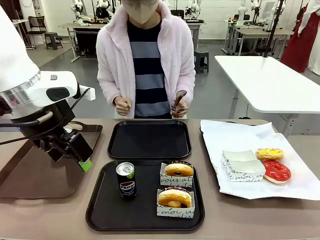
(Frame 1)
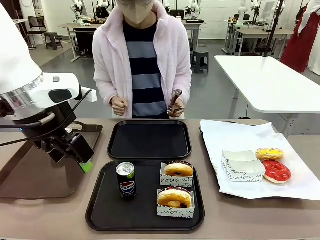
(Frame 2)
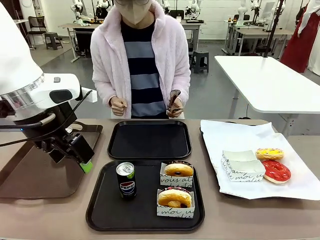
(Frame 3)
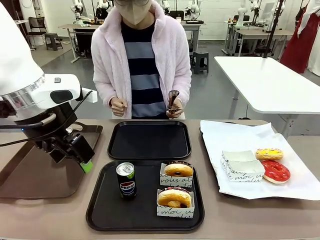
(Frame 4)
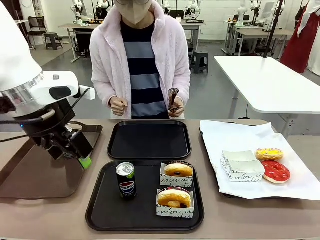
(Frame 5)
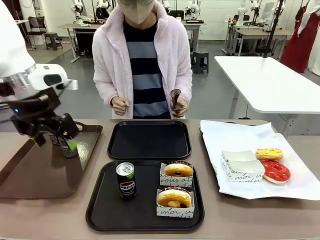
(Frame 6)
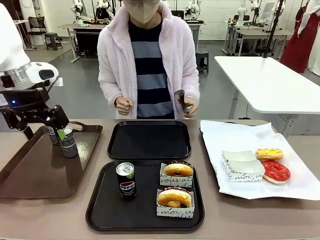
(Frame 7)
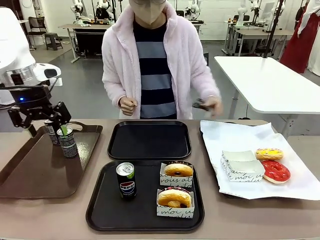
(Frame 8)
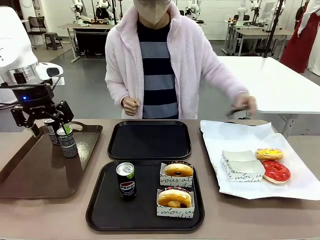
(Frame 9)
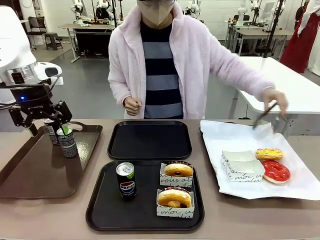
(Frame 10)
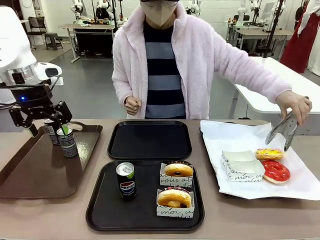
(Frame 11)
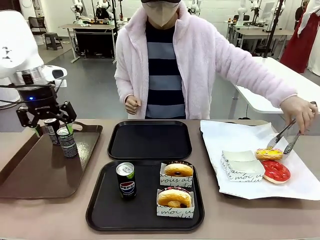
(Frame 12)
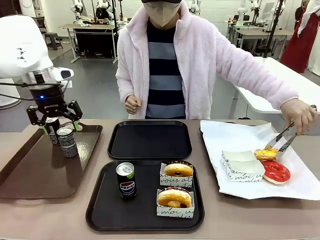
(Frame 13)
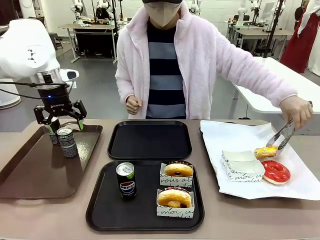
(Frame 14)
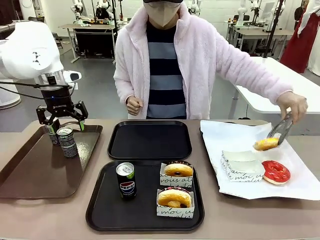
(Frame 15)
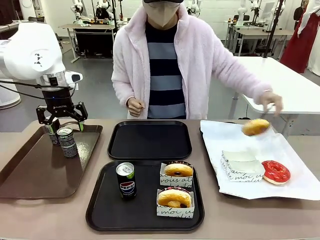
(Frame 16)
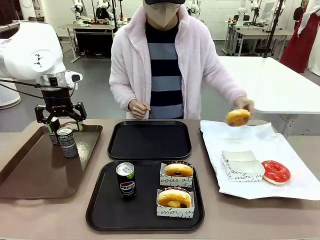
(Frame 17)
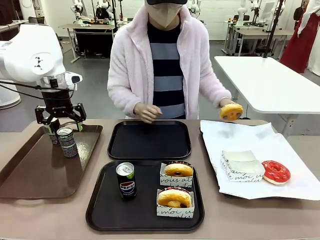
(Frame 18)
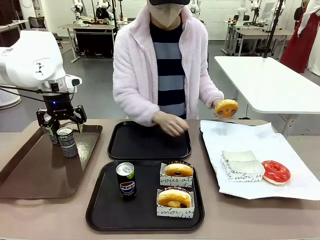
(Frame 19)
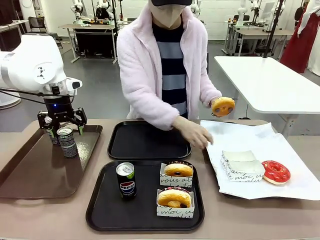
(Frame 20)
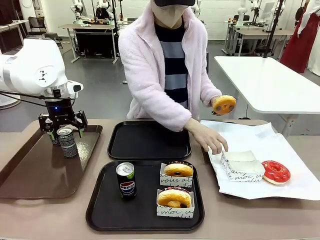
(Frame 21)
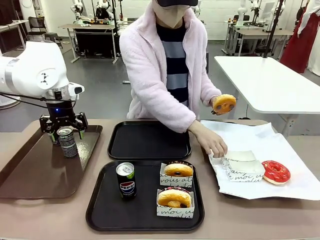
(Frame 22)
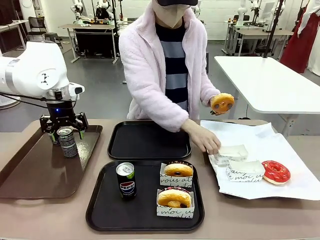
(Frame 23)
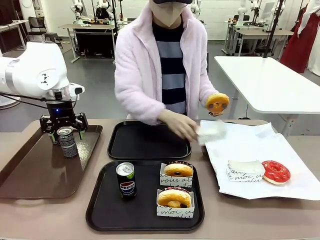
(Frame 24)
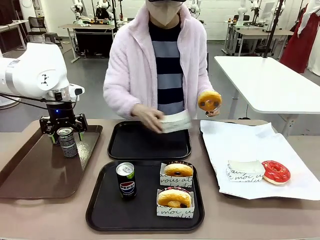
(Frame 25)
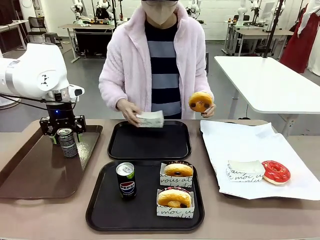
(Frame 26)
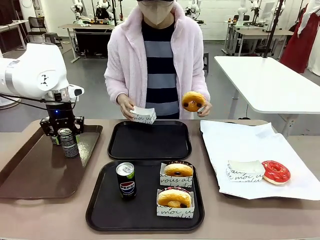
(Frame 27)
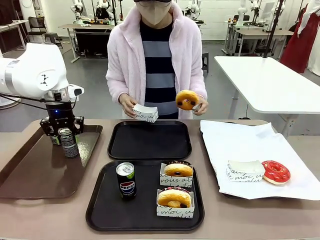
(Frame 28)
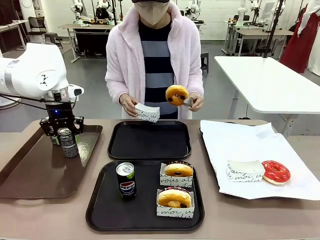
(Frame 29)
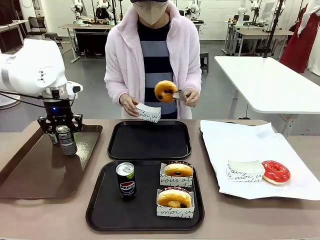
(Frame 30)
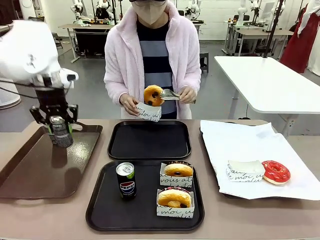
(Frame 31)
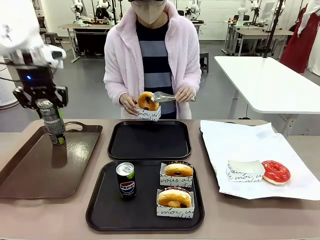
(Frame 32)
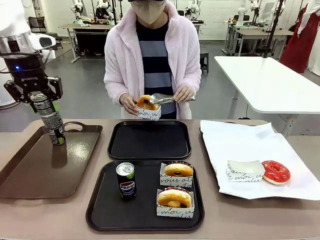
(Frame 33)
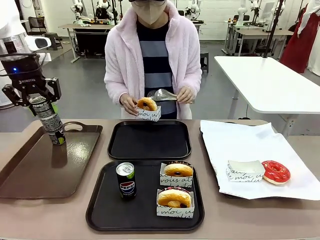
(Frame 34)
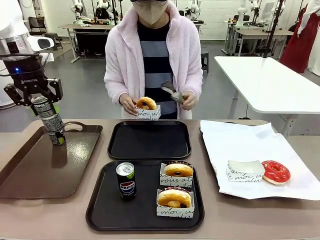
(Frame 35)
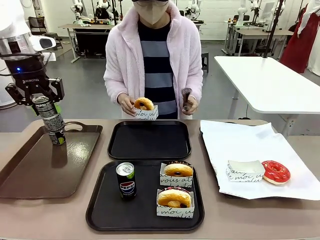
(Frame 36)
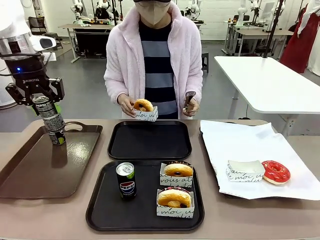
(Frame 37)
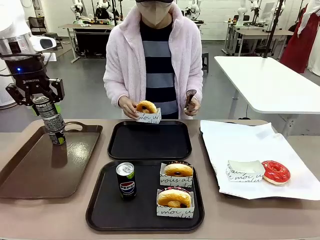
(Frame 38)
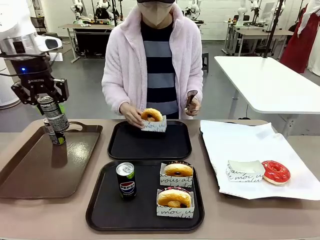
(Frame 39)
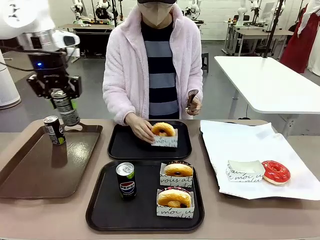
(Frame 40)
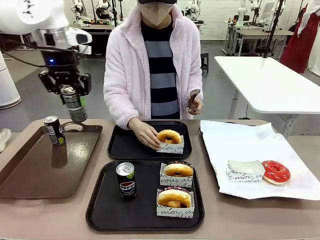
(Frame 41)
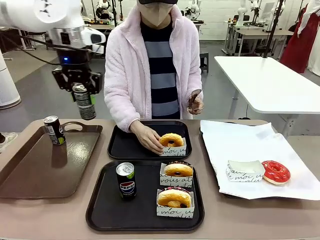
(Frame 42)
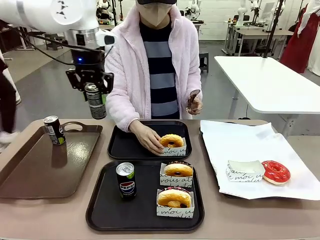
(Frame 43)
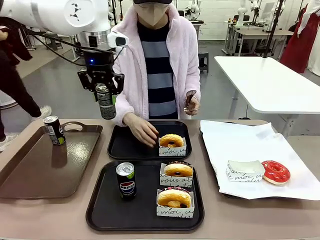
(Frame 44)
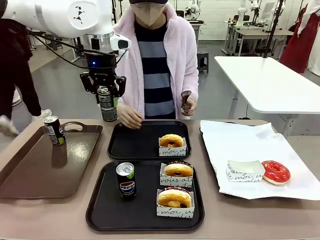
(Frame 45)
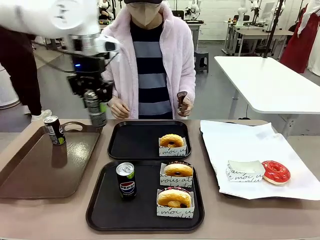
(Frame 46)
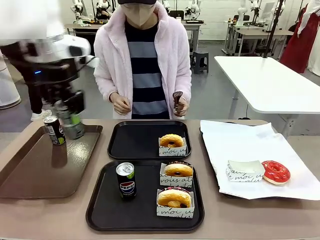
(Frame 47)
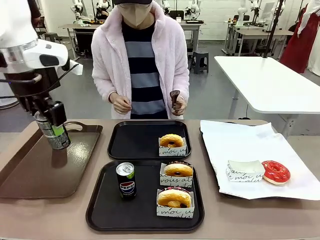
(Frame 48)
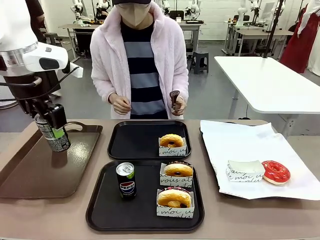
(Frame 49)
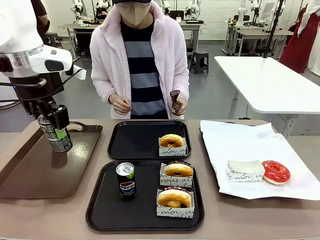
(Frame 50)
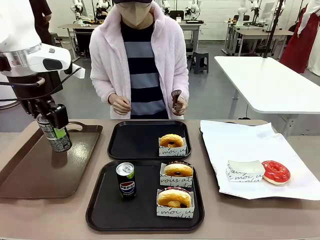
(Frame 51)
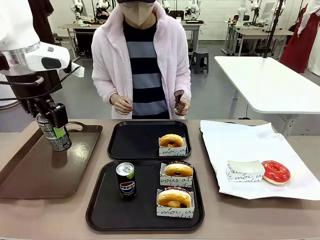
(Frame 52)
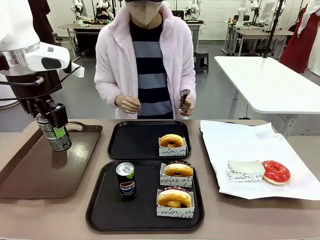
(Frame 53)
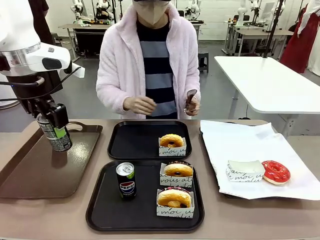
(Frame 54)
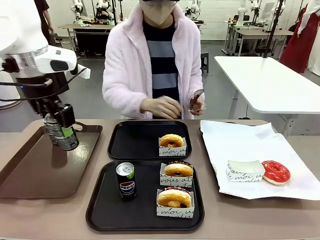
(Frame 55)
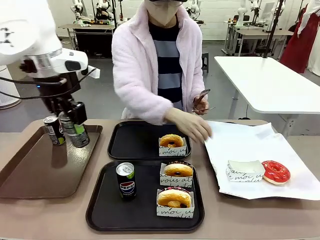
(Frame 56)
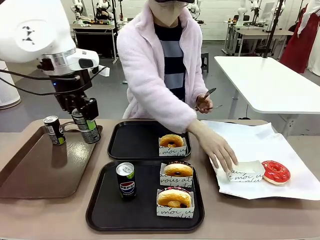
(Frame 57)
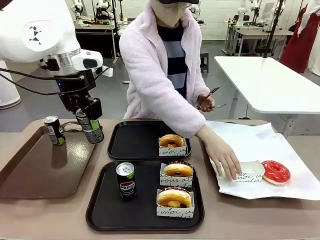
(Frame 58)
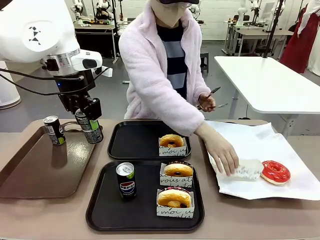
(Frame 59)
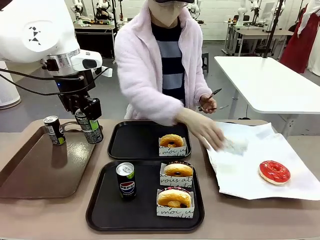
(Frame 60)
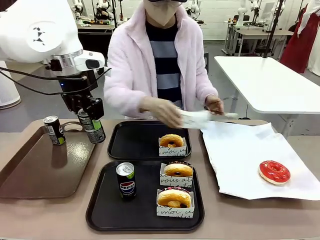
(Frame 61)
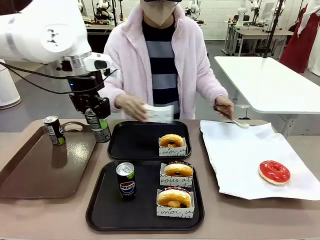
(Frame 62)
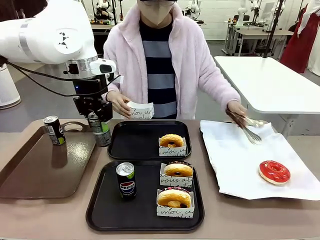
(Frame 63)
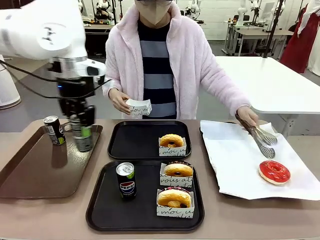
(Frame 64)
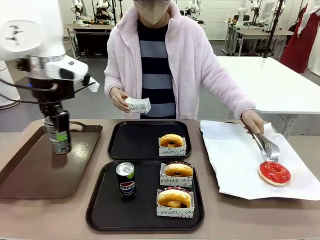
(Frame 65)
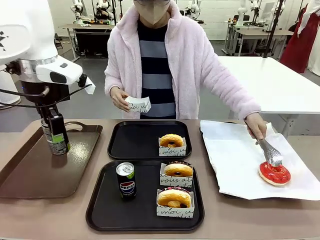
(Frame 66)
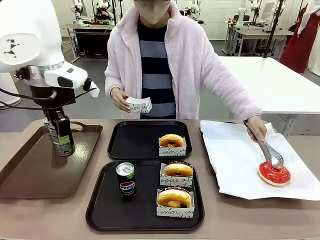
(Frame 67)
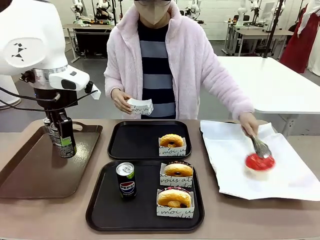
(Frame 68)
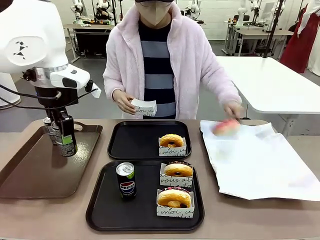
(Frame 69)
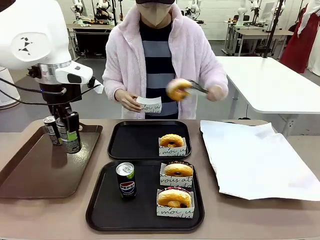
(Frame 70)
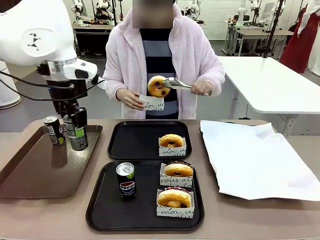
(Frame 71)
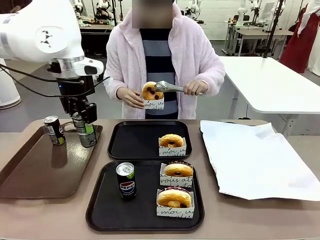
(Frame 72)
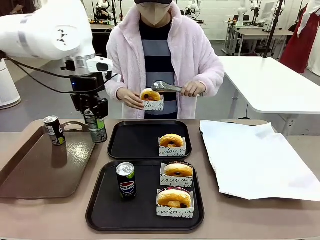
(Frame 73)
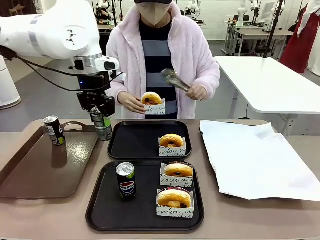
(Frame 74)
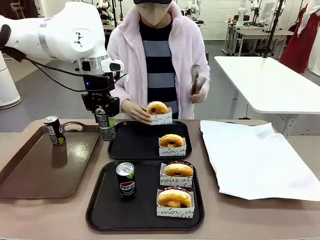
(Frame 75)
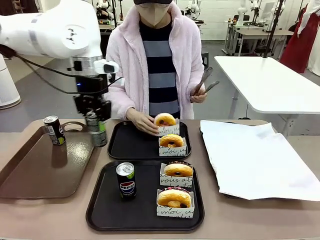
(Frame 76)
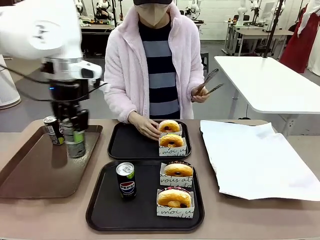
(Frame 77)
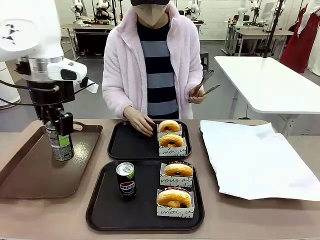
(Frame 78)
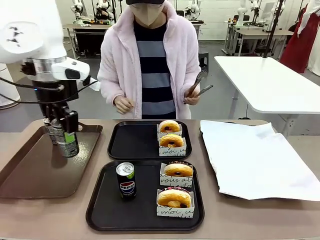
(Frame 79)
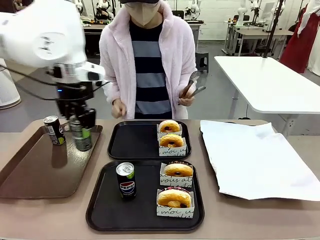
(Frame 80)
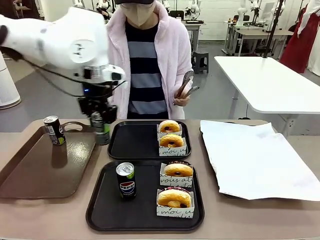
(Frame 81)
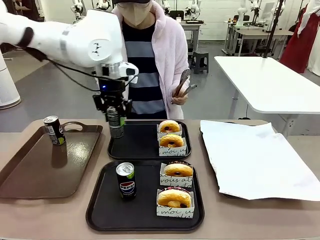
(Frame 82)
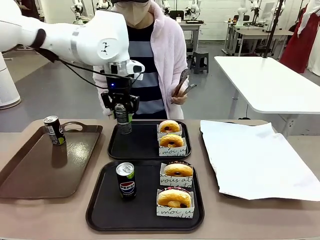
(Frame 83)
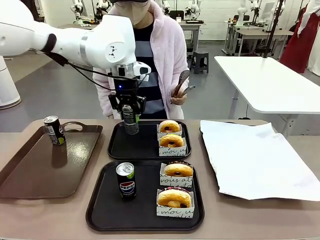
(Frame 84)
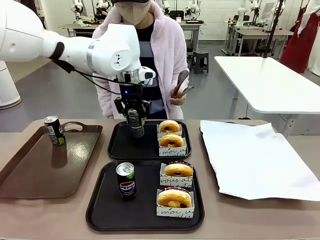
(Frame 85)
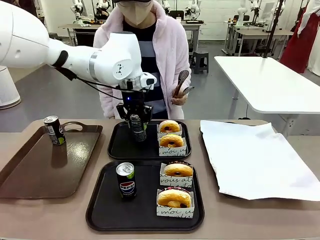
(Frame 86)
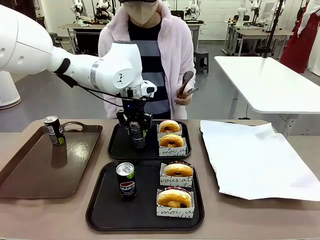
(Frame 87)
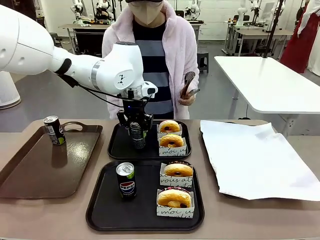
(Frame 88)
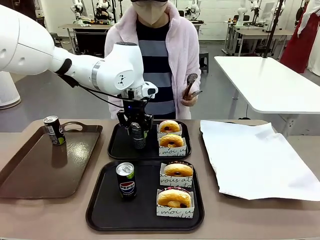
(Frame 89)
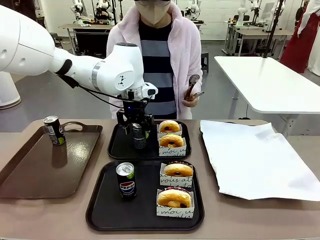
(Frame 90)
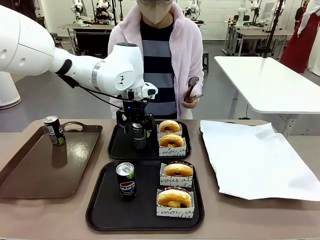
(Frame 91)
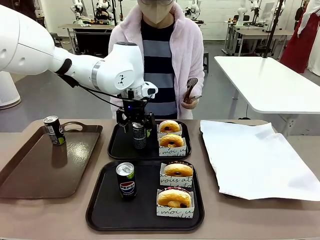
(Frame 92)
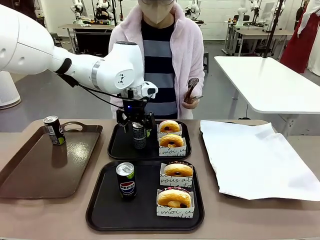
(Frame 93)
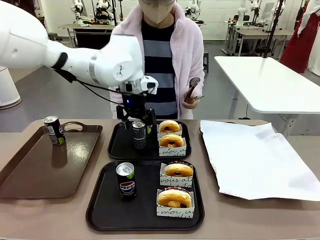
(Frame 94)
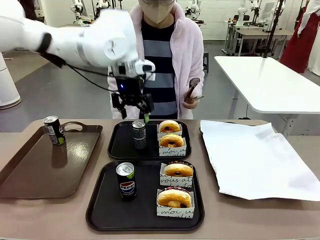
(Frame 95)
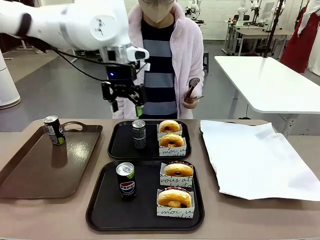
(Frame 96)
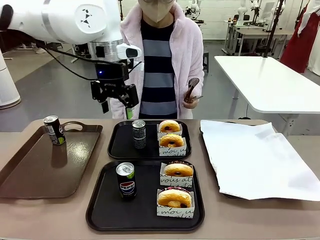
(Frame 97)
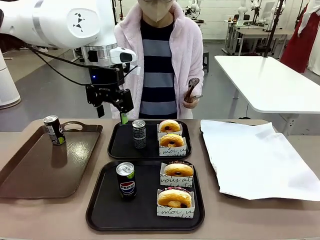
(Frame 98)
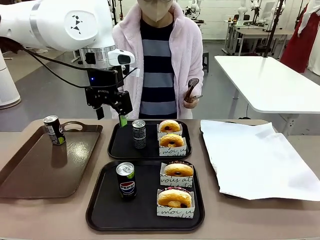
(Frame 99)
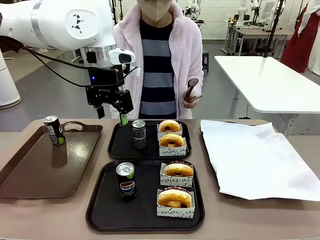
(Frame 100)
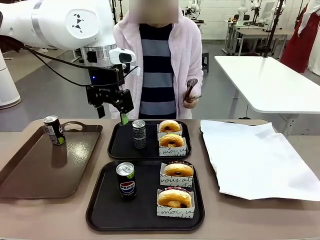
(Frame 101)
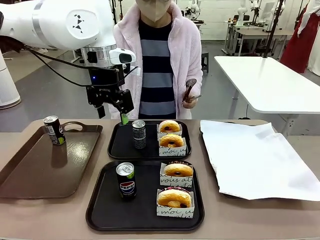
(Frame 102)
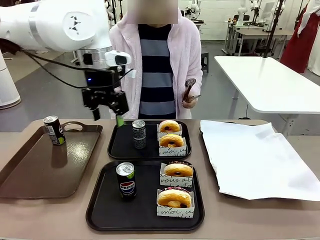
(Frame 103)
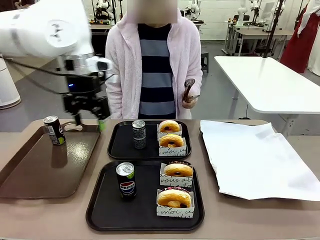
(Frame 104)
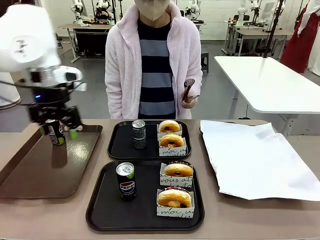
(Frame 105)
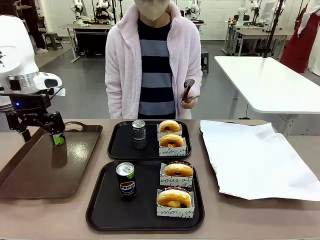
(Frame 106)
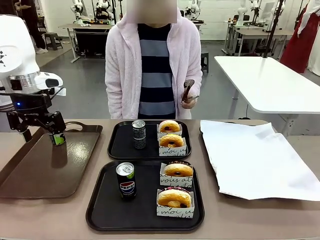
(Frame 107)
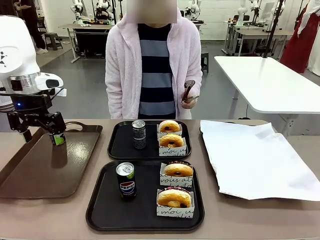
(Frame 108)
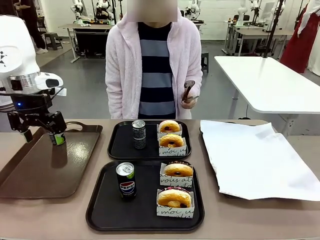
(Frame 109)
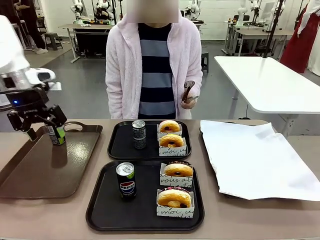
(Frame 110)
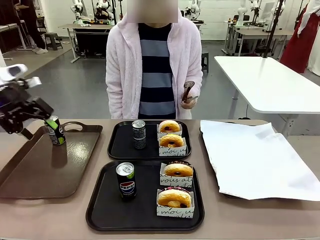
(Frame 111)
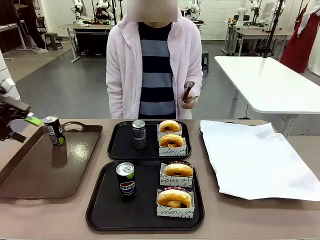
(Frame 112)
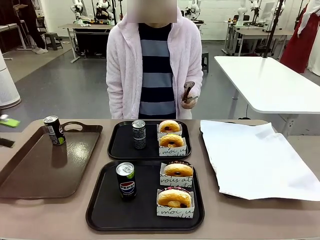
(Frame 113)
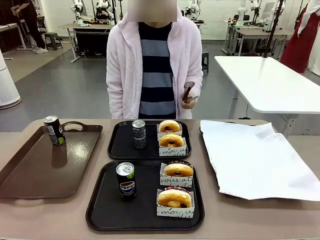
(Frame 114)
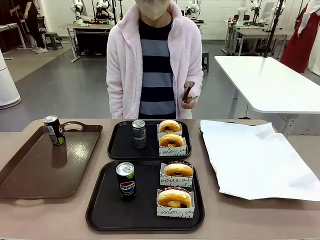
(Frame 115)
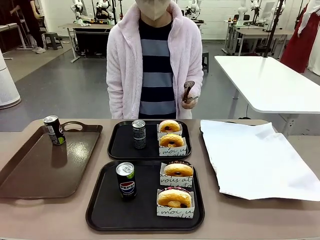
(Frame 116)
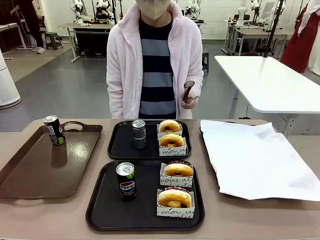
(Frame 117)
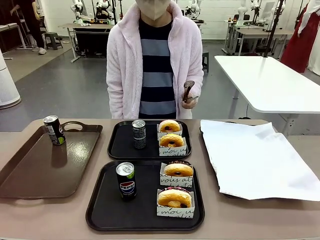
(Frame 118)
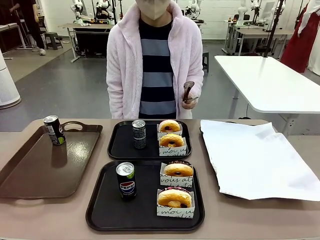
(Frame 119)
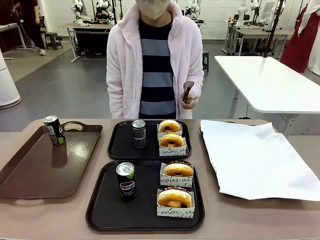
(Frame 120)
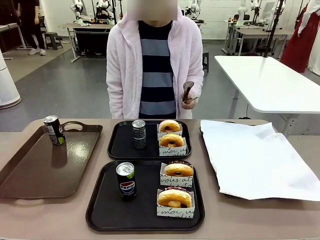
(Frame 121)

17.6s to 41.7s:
Task: Set up donuts and drinks on trays.
Robot: Pick up one Pepsi coke from the Handle tray and place it on the Flat Tray without a Pepsi coke.
Person: Pick up one donut with tongs, place it in the donut tray, and then place the donut tray on the flat tray.
